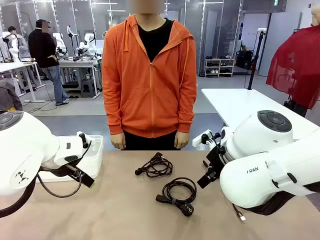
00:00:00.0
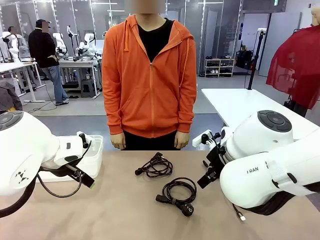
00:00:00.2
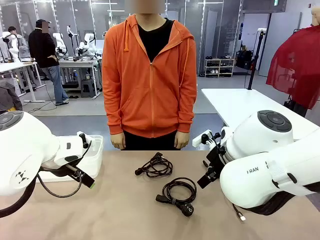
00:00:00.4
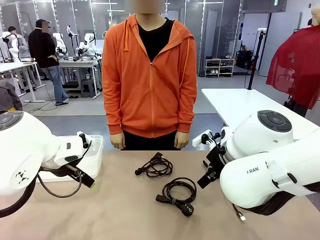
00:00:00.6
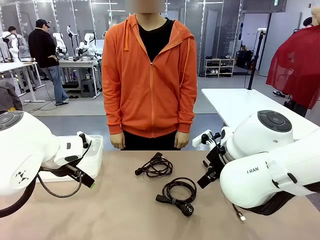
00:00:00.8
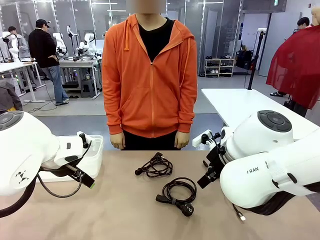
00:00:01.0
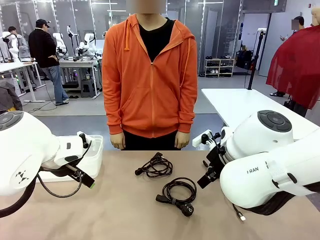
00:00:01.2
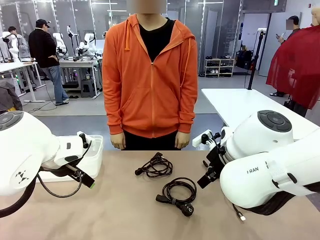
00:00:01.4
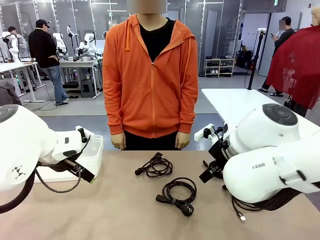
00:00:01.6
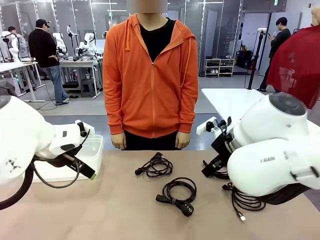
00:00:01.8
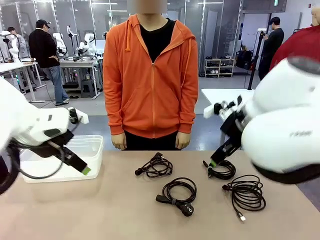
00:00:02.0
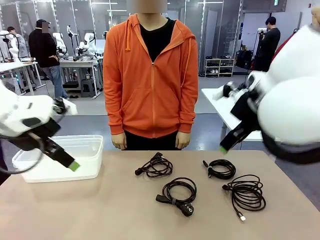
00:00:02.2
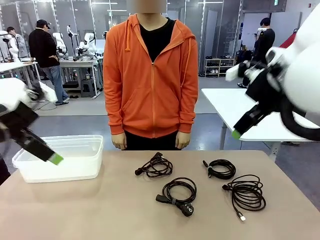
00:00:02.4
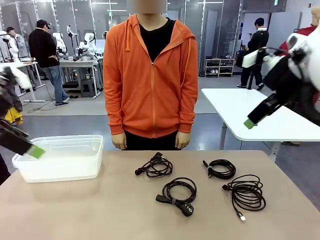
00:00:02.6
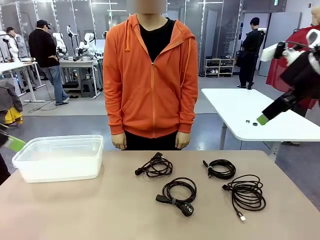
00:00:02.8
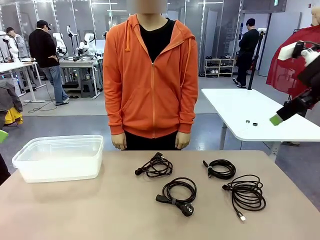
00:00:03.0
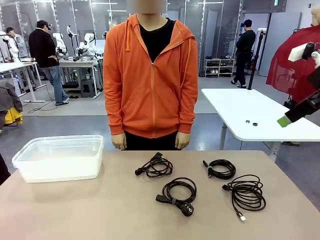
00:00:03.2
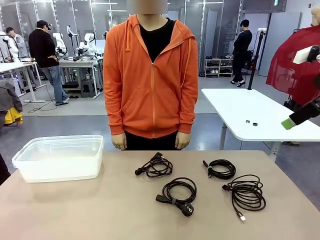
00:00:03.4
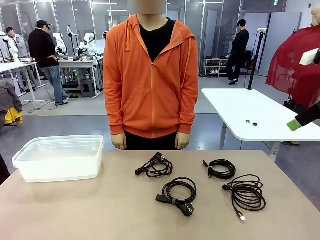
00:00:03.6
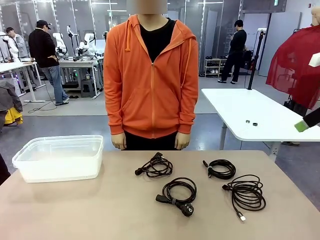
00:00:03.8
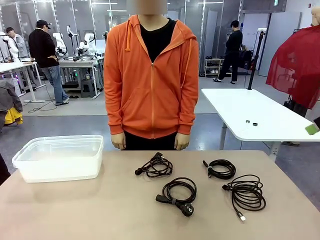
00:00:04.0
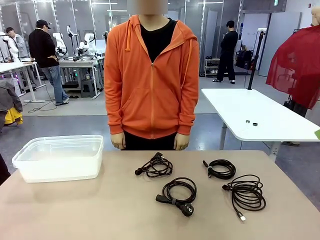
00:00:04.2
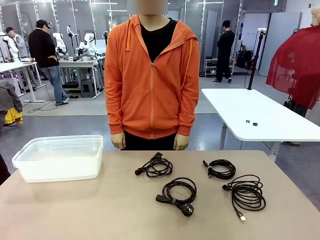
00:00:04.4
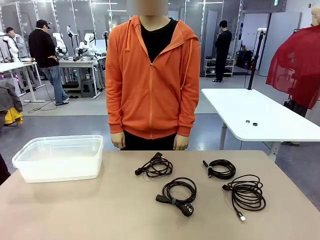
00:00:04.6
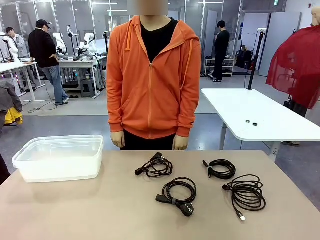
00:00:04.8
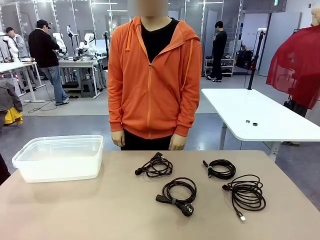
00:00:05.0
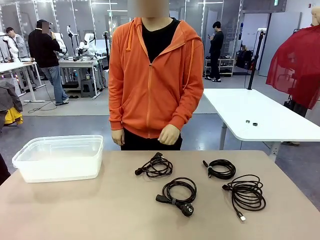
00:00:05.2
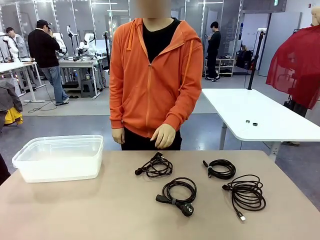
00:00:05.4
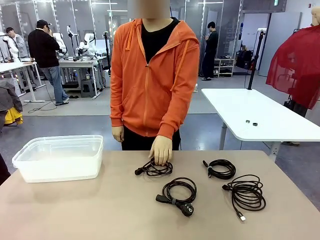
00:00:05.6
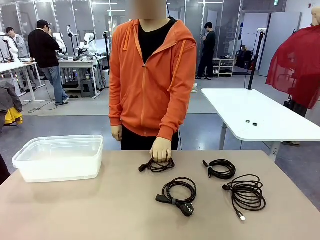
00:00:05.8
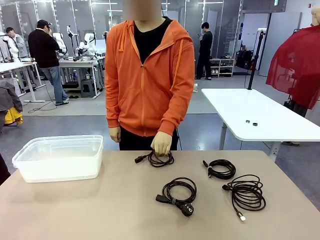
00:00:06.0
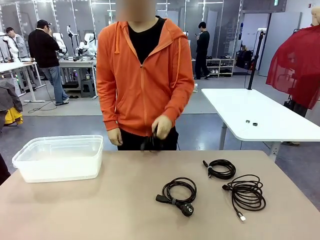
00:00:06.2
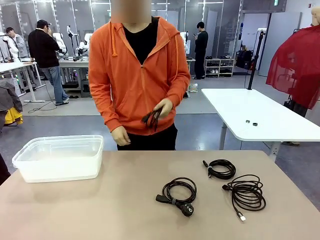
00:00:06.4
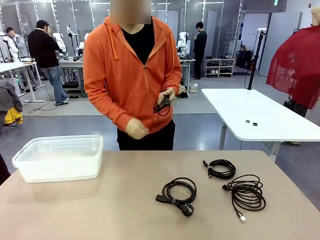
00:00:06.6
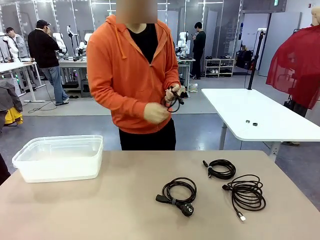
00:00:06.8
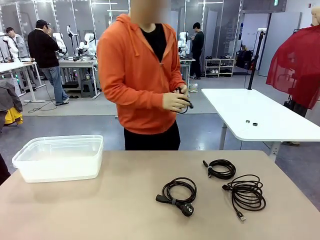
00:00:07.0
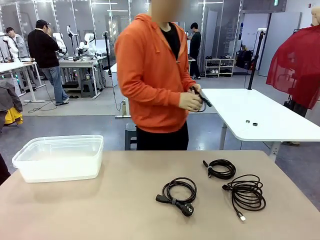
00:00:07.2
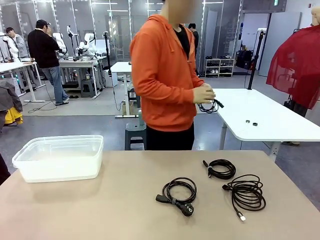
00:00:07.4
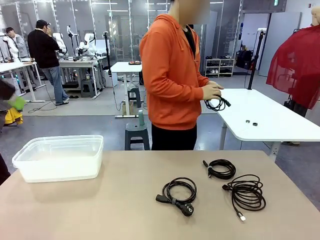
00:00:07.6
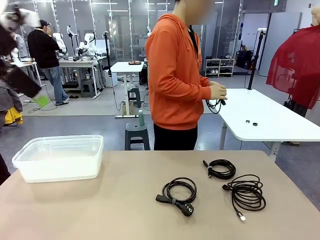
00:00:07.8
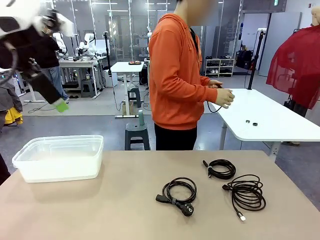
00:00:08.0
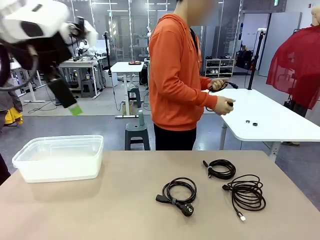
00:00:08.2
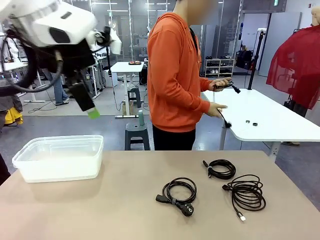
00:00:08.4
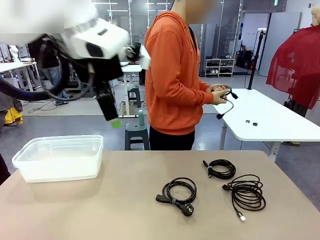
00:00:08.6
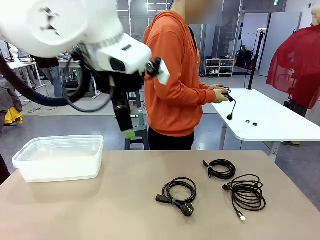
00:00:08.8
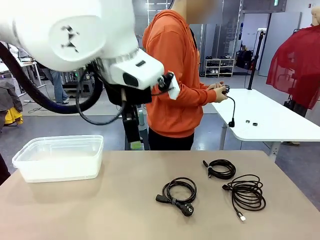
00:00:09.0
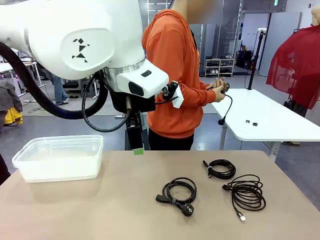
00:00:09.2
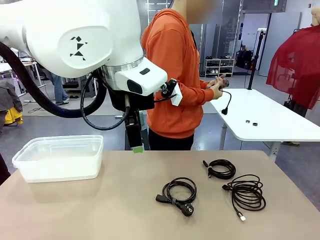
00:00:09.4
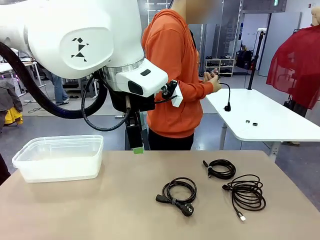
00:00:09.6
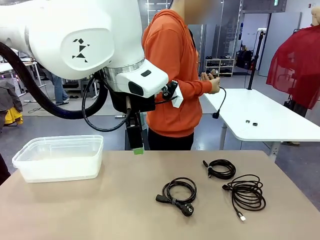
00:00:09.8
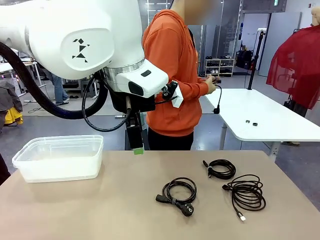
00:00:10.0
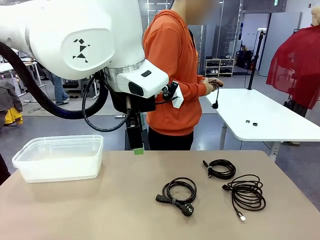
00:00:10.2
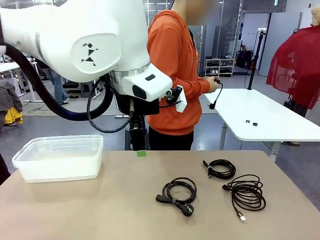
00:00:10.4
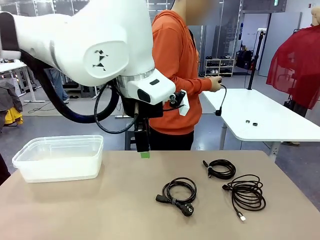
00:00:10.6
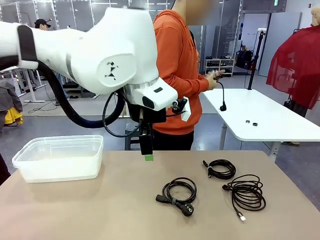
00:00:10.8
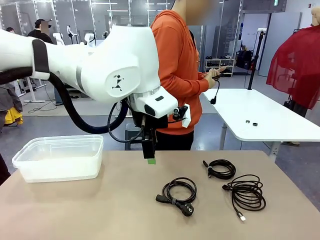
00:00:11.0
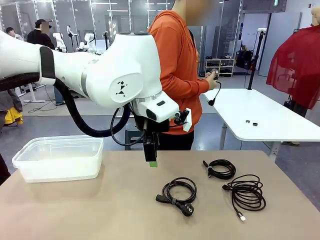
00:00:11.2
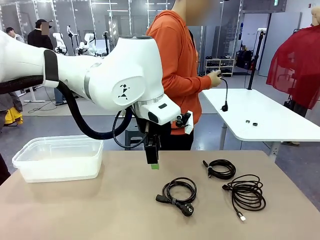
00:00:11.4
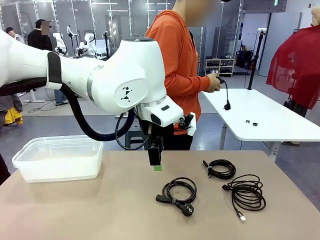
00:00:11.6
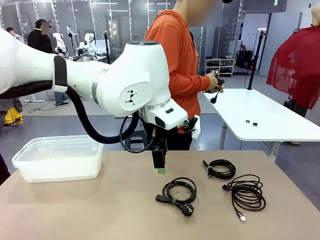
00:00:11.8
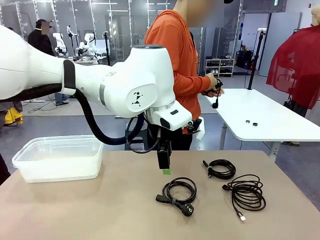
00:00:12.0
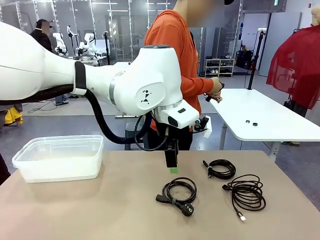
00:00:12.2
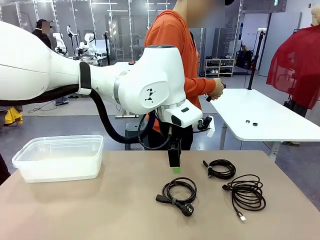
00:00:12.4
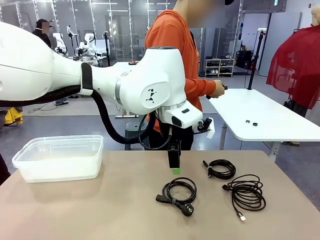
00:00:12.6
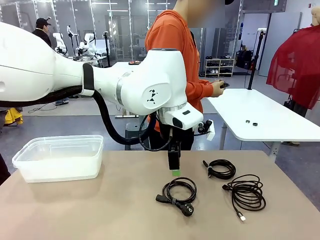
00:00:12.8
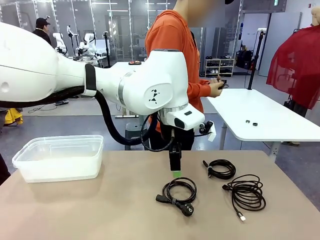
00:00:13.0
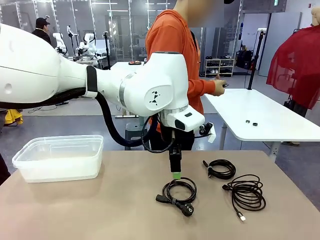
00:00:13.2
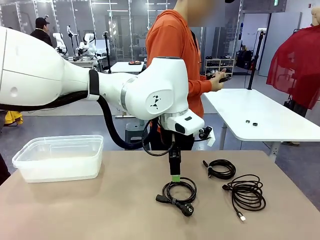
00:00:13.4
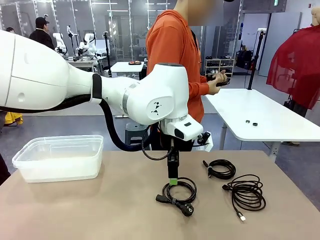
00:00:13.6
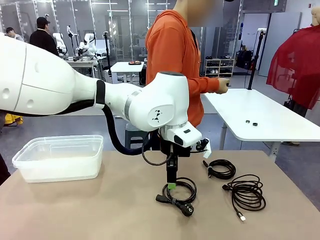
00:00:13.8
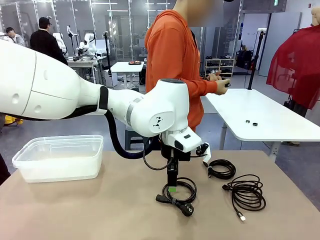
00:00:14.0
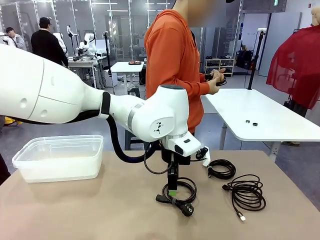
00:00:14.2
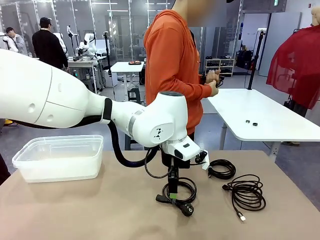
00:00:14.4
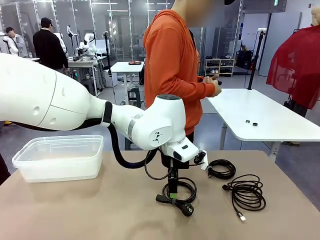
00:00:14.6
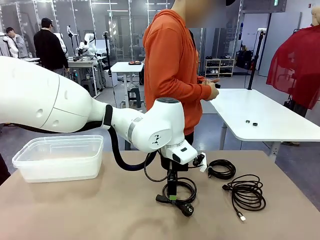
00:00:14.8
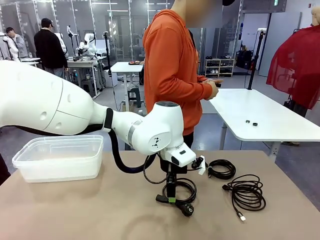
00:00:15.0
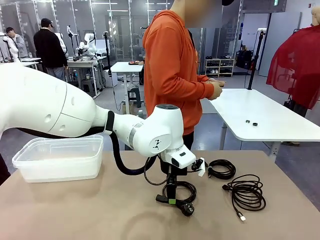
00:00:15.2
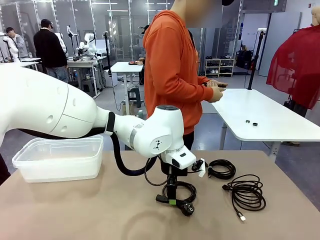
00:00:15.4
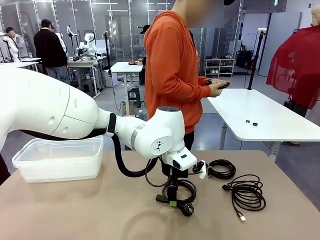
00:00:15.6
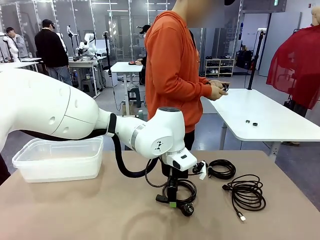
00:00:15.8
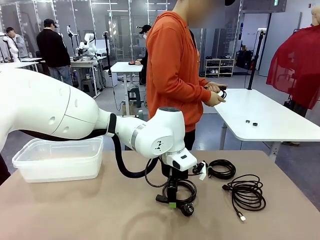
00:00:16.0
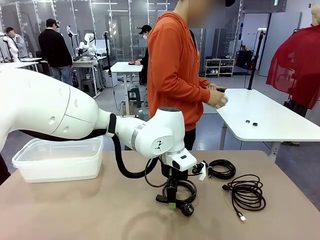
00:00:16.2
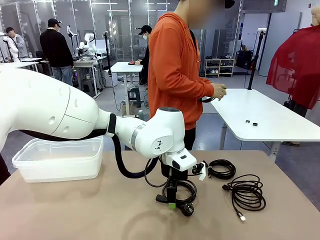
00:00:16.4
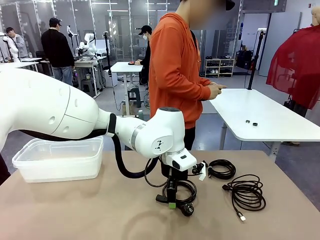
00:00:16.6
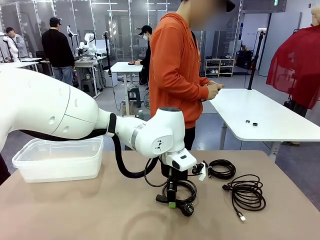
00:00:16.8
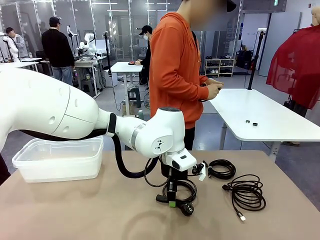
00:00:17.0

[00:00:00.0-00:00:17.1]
Task: Organize and store the cables.
Robot: Place the Power Cable into the Organizing box.
